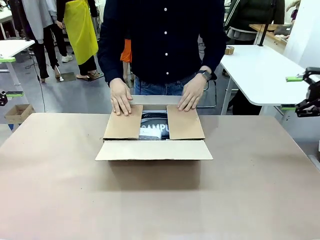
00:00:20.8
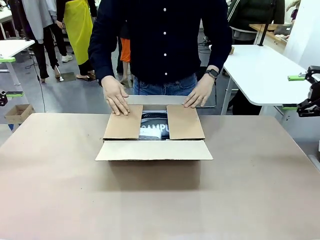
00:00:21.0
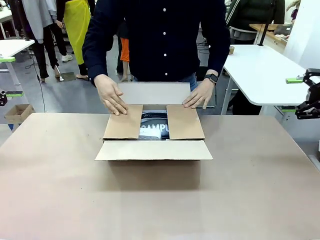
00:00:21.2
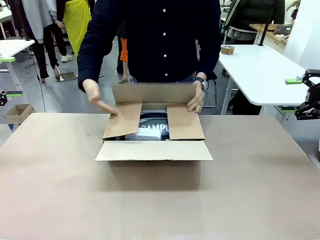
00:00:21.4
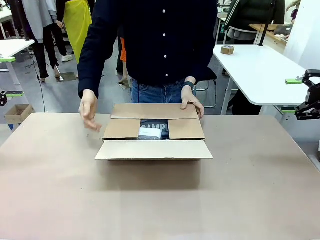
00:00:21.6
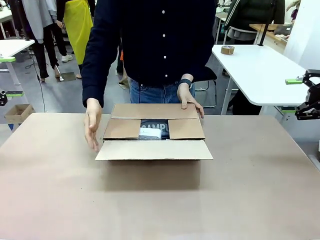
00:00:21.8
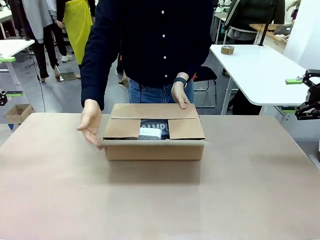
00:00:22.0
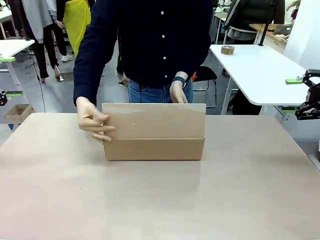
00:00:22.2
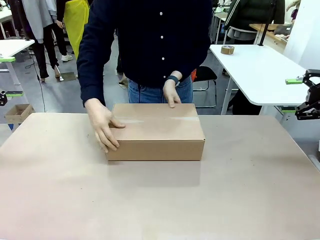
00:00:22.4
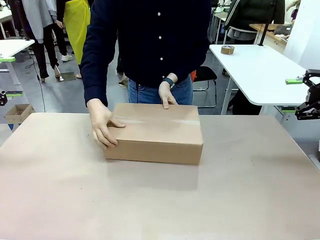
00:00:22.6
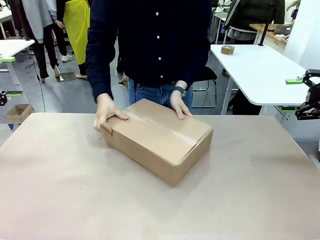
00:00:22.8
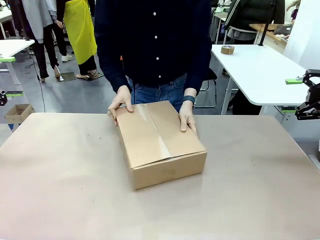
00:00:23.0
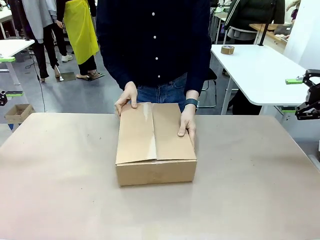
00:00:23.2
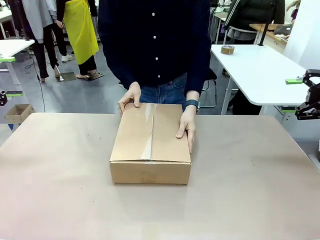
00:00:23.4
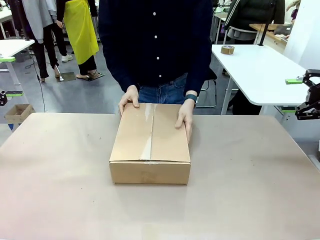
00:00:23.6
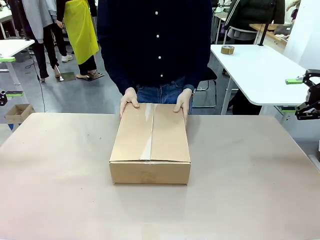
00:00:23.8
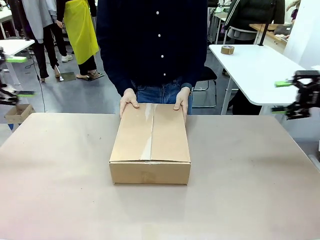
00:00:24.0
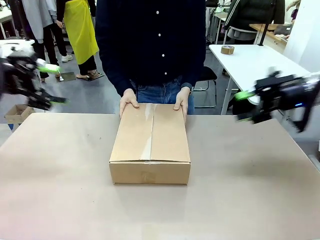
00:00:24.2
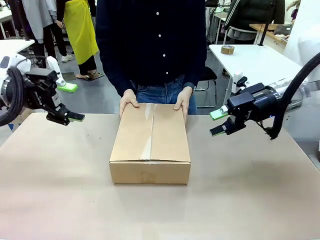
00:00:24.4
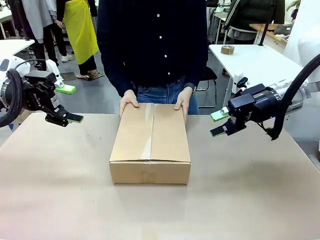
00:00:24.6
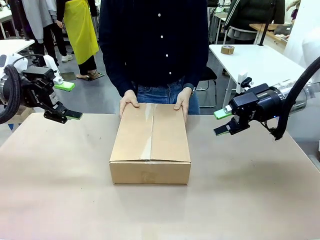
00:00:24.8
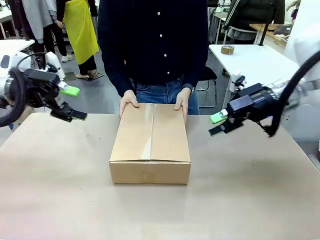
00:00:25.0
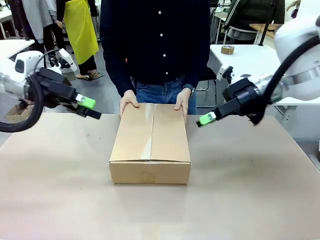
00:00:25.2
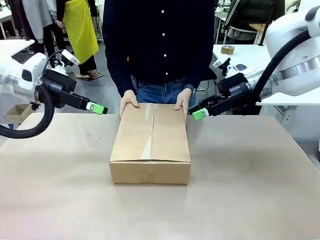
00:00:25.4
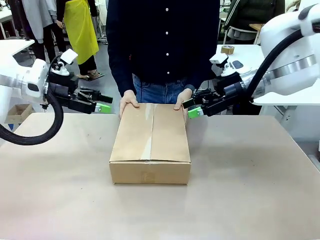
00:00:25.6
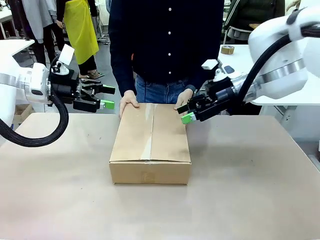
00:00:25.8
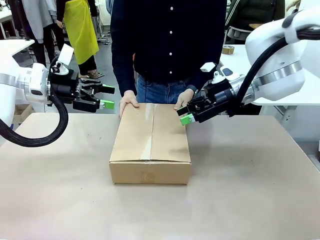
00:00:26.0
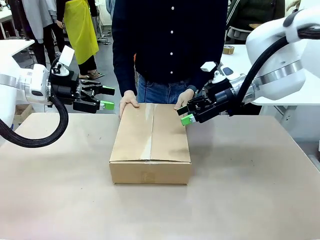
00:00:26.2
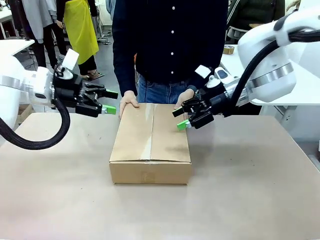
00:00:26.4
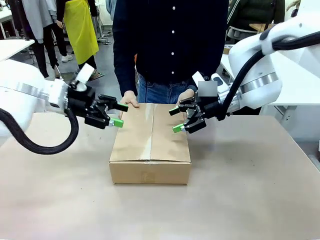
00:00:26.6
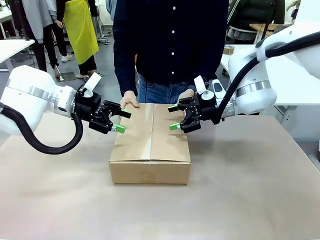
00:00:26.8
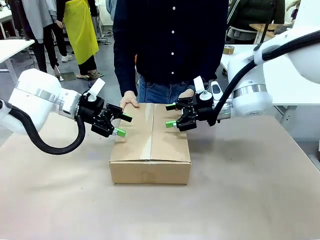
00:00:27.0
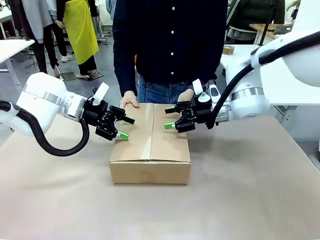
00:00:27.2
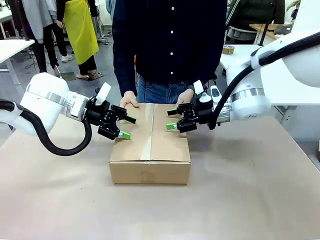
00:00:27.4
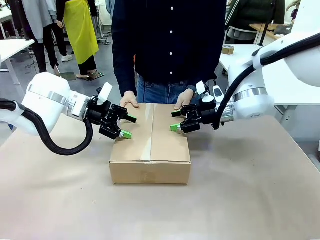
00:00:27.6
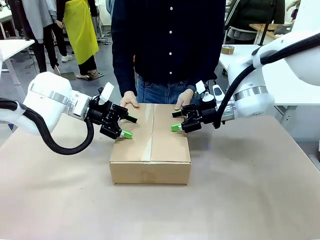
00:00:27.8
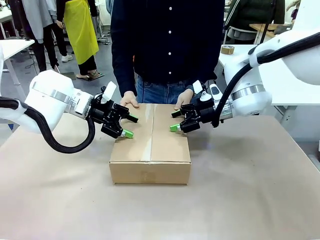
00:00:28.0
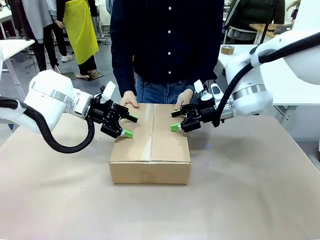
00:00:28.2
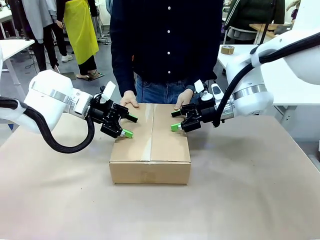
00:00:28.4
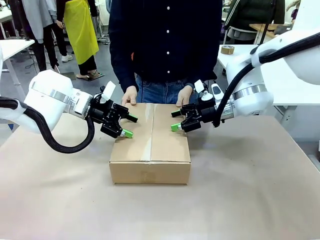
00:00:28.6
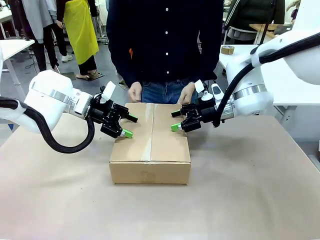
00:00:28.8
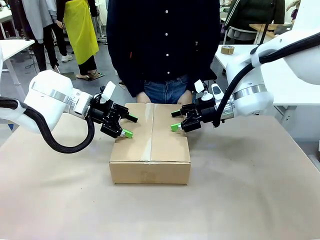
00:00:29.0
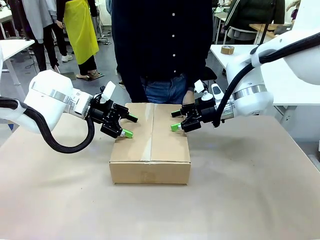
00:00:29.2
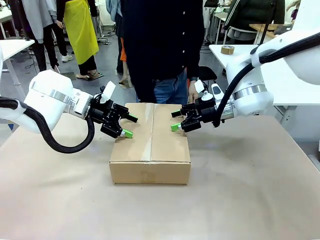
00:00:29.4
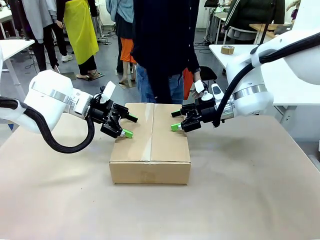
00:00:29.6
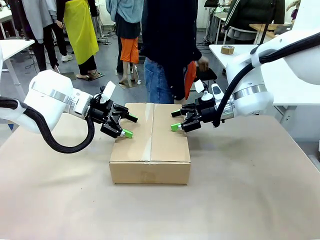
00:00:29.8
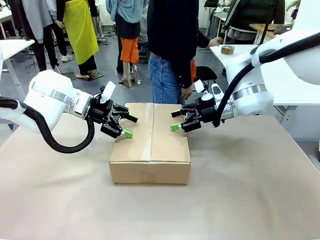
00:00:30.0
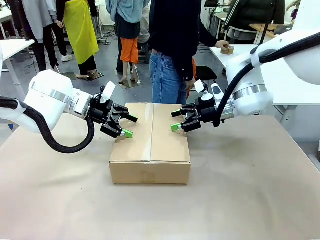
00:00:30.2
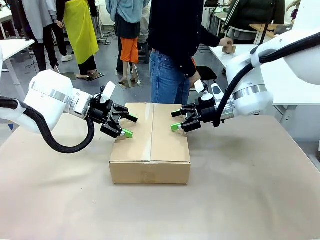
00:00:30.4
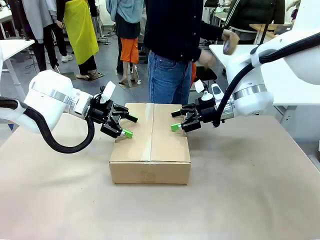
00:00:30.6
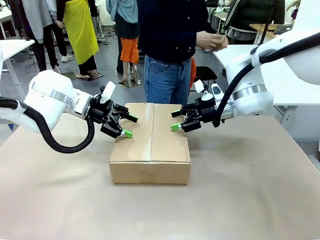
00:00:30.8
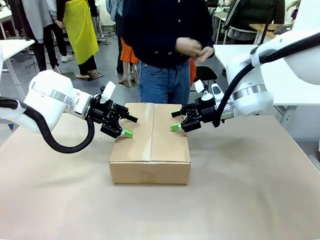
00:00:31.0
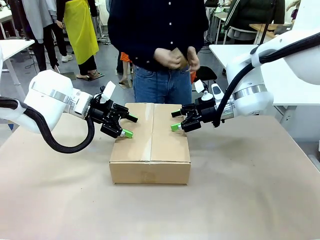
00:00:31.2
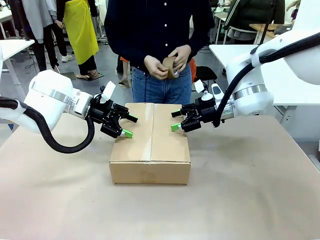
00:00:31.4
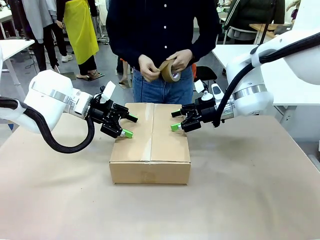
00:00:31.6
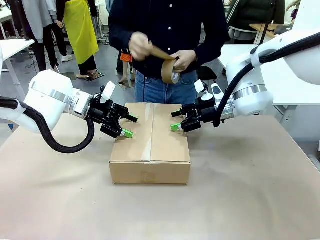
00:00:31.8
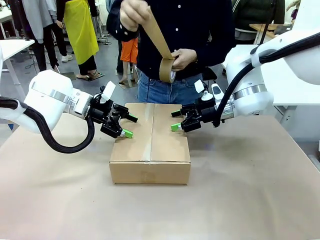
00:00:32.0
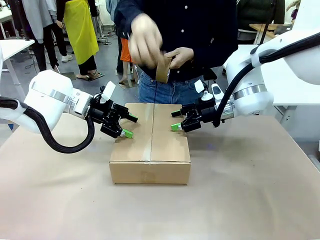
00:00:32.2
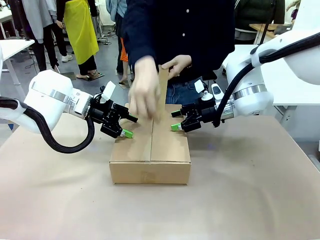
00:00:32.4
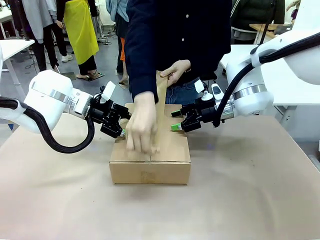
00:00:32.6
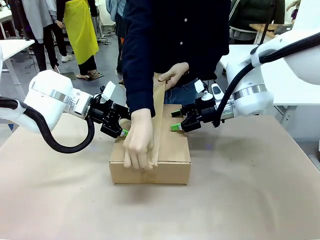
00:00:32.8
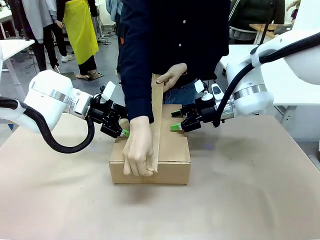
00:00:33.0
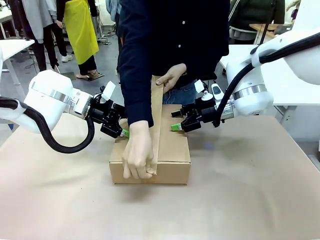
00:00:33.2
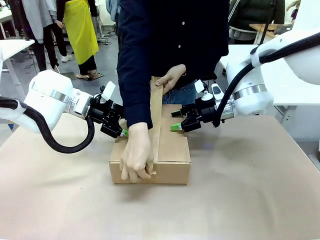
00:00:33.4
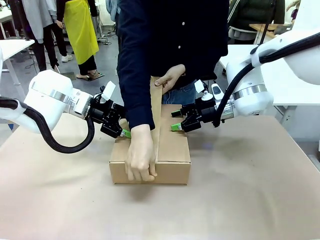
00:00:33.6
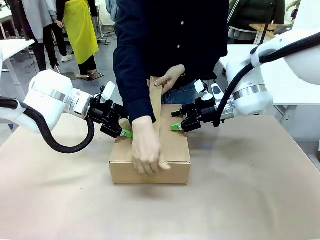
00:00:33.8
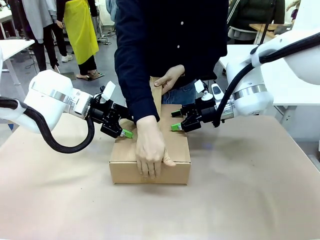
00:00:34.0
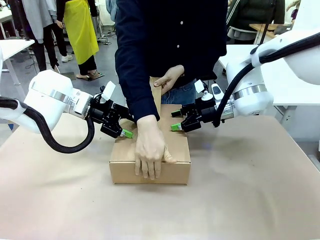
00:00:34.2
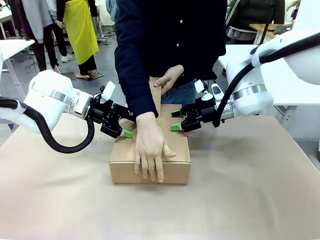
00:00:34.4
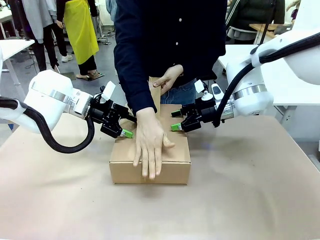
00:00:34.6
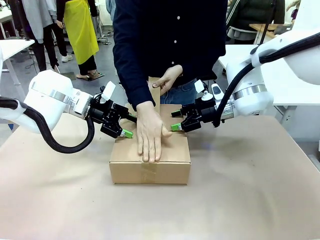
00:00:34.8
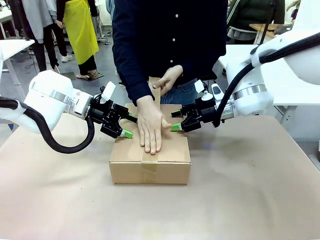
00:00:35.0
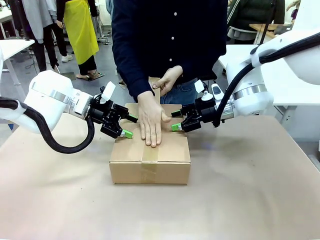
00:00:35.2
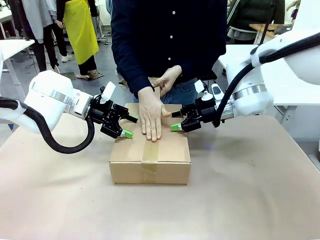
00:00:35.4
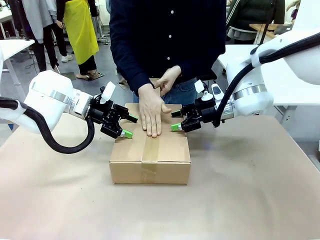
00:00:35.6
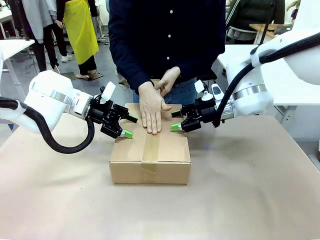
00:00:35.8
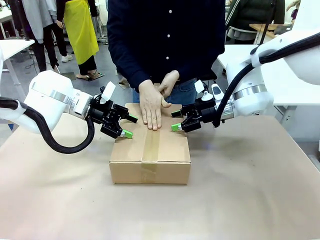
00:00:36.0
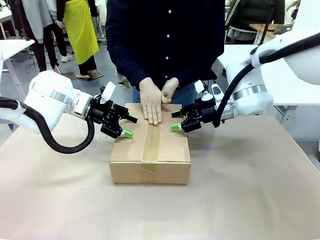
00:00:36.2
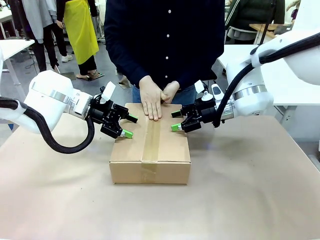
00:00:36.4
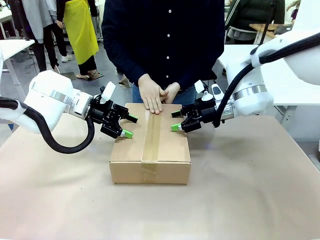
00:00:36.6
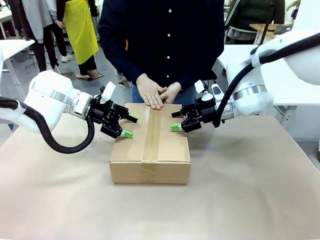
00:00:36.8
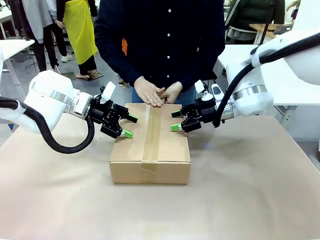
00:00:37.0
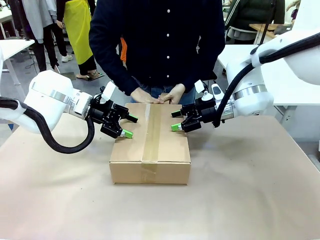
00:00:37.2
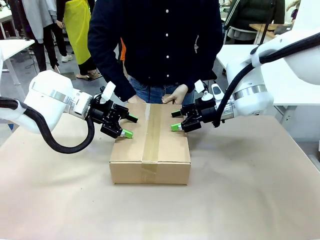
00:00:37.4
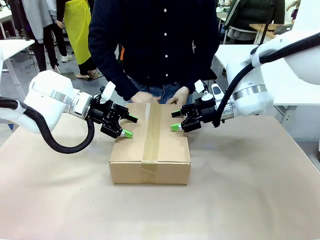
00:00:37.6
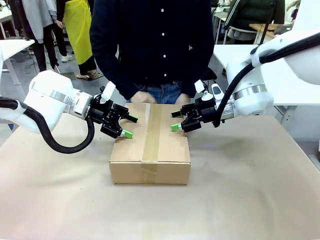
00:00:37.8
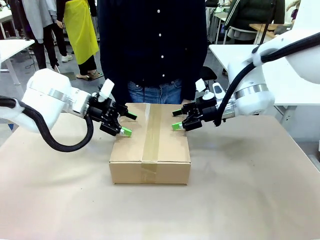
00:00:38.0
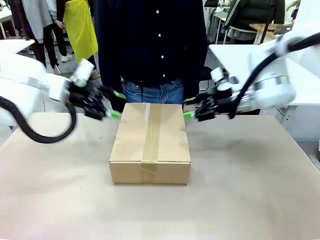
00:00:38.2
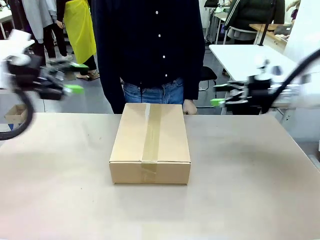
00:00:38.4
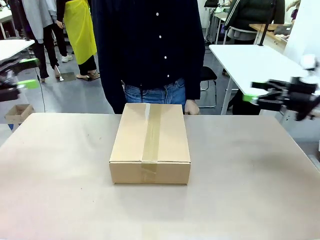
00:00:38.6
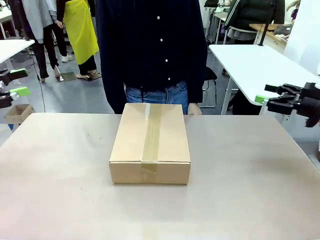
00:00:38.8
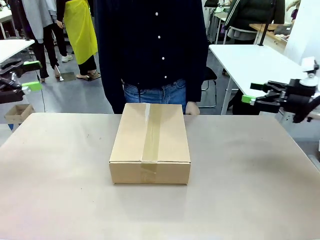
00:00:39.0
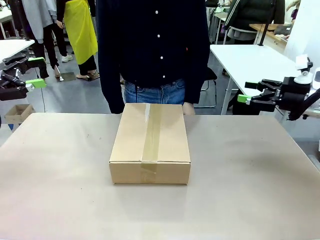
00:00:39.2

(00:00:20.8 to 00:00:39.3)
Task: Pack the gift set into the box.
Robot: Press and hold the closed box until the human finishes sealing it.
Person: The human closes the box and rotates the box by 90 degrees. The human picks up the paper tape from the human table and packs the box.
